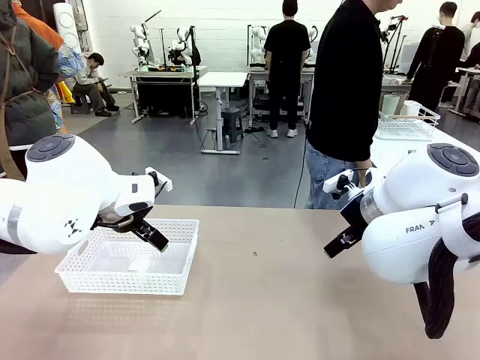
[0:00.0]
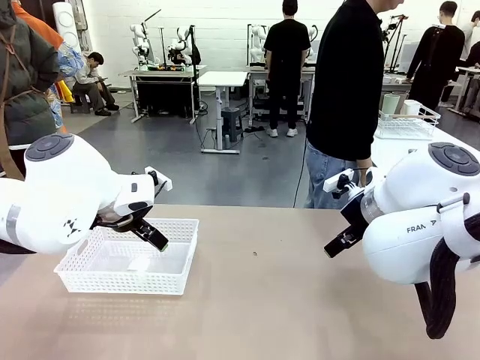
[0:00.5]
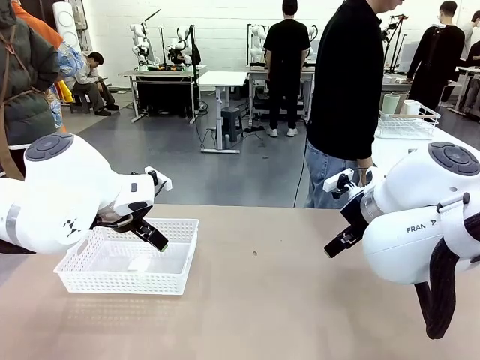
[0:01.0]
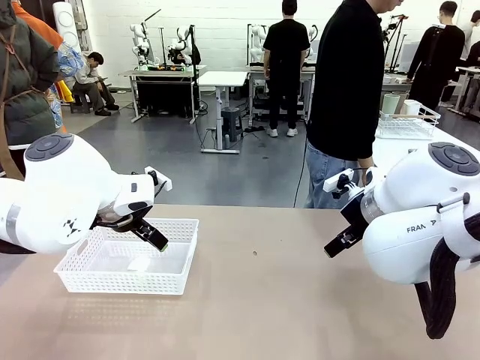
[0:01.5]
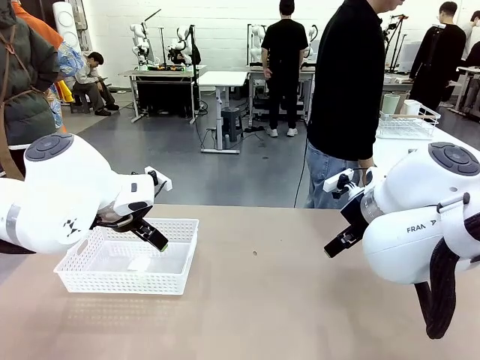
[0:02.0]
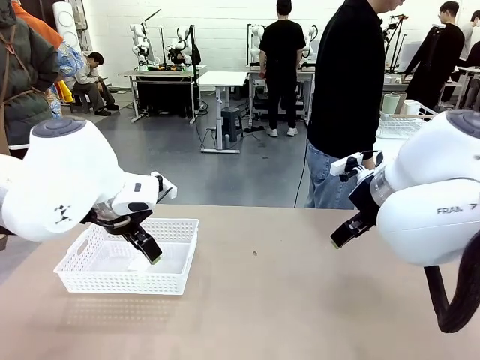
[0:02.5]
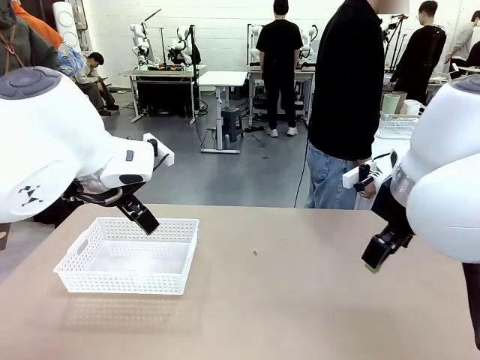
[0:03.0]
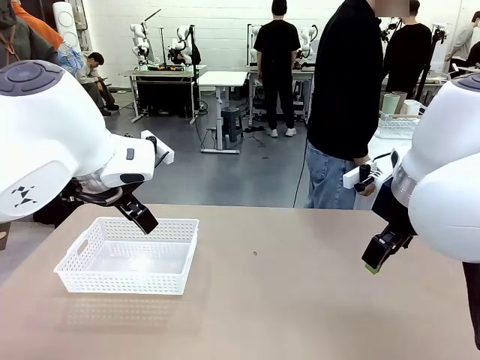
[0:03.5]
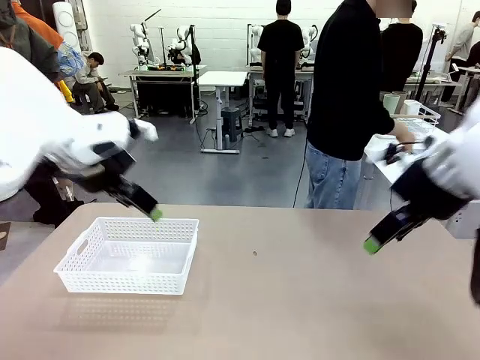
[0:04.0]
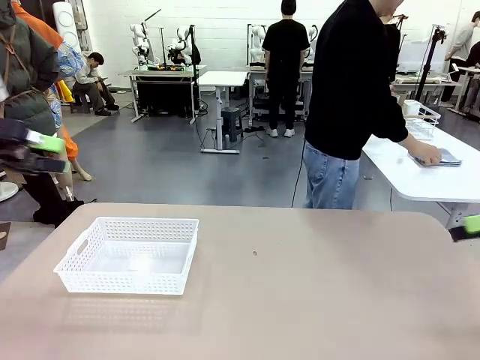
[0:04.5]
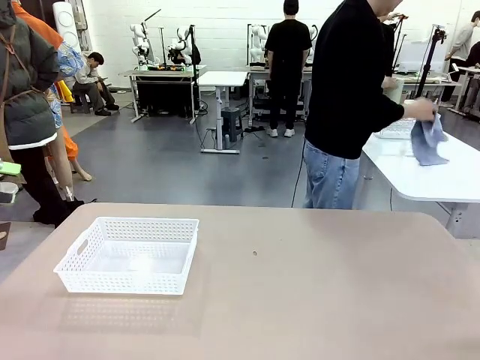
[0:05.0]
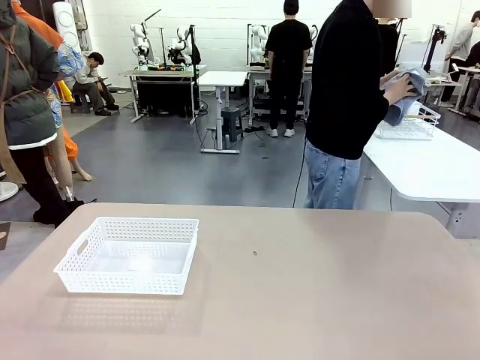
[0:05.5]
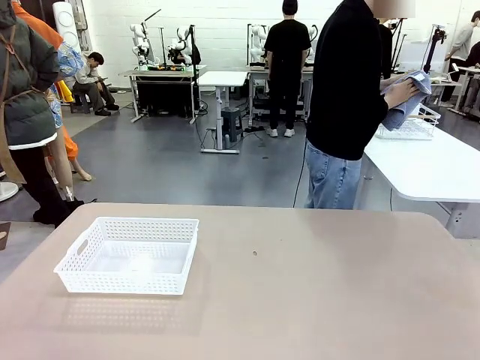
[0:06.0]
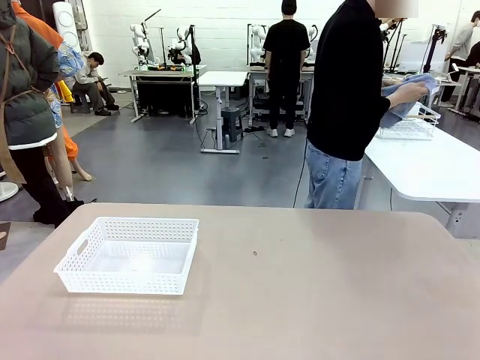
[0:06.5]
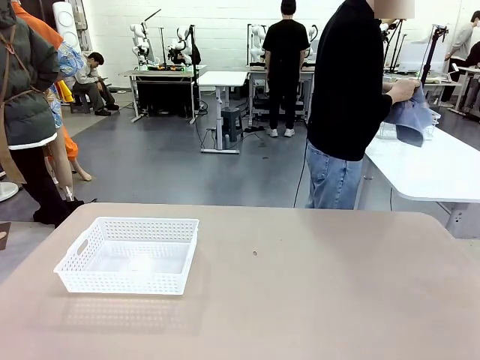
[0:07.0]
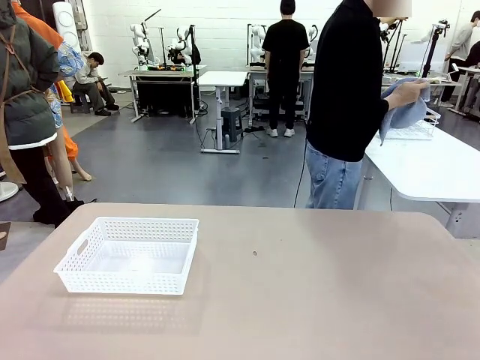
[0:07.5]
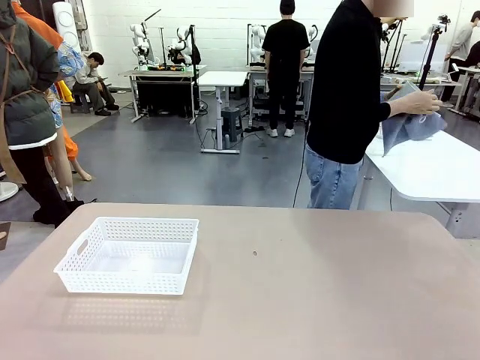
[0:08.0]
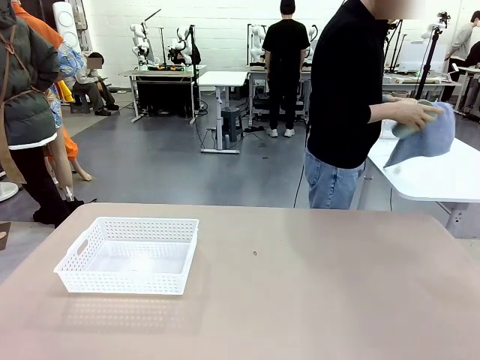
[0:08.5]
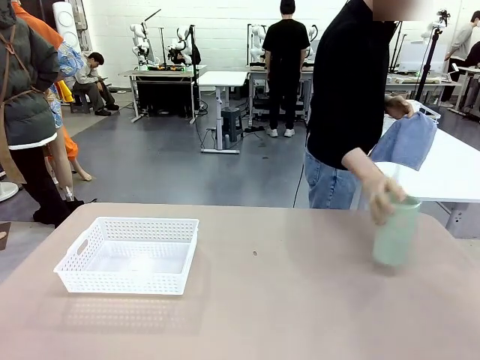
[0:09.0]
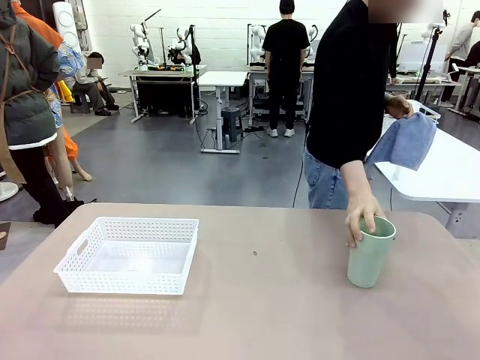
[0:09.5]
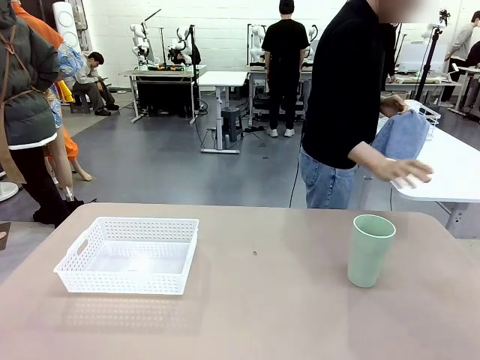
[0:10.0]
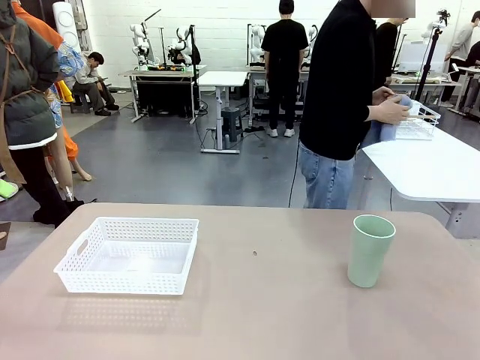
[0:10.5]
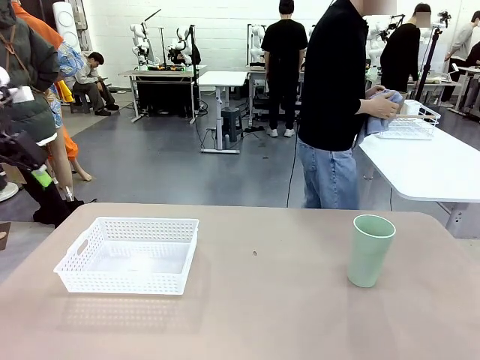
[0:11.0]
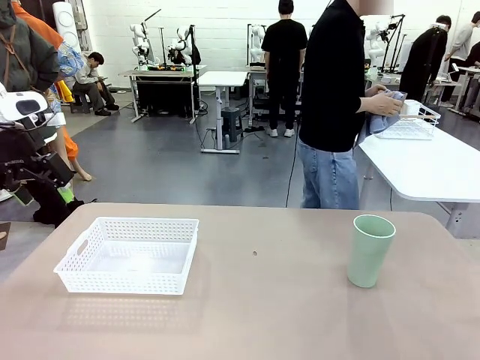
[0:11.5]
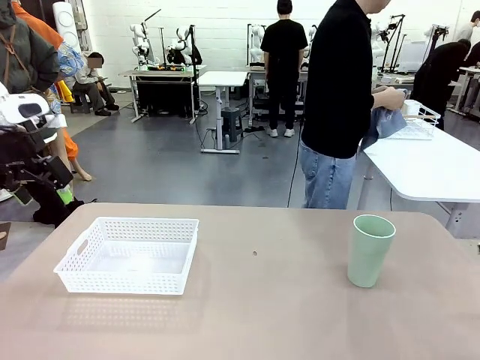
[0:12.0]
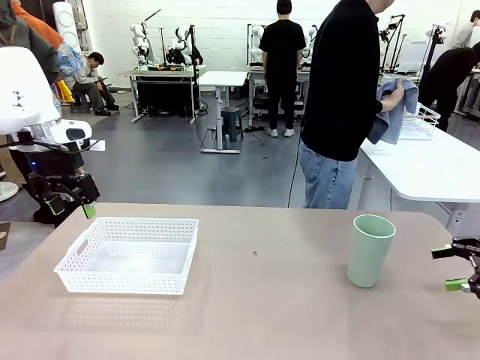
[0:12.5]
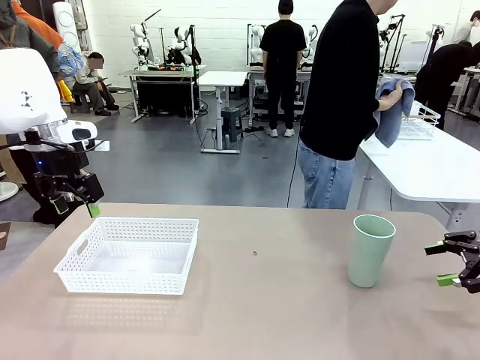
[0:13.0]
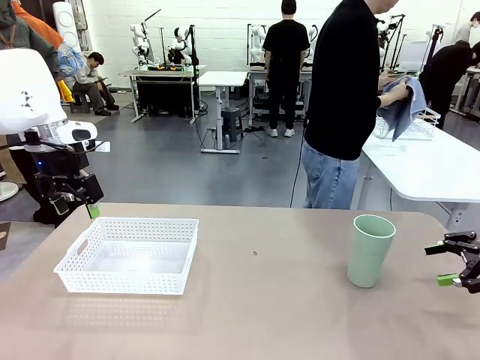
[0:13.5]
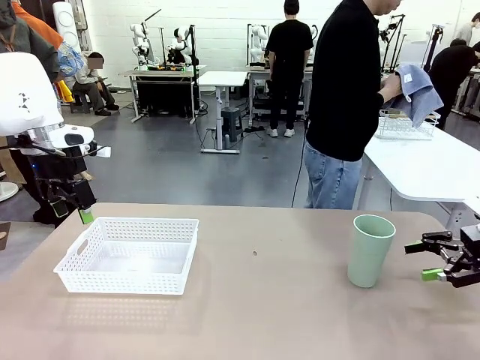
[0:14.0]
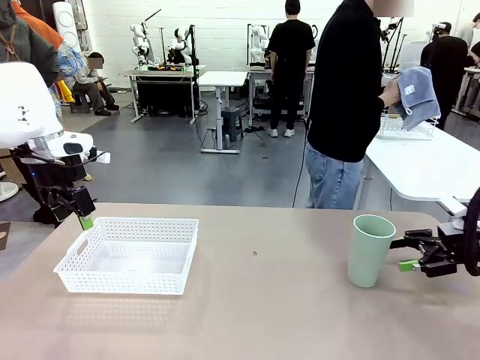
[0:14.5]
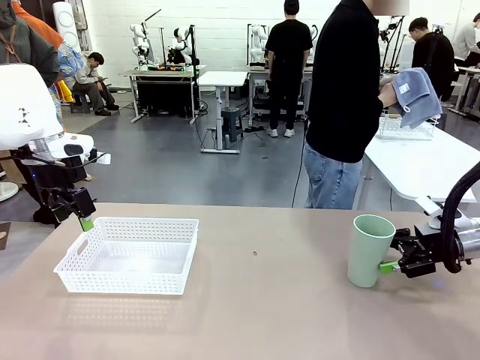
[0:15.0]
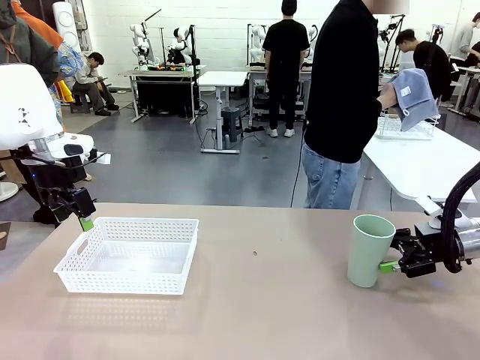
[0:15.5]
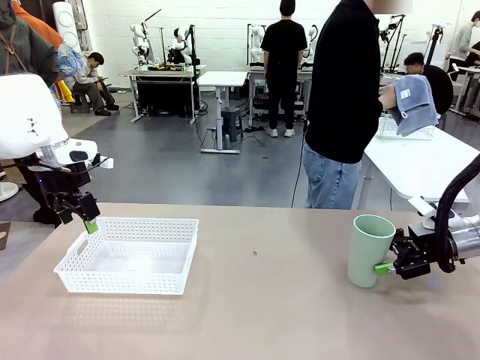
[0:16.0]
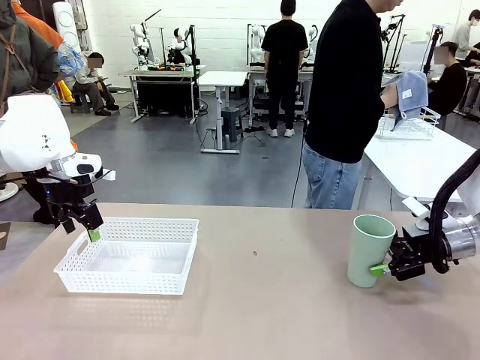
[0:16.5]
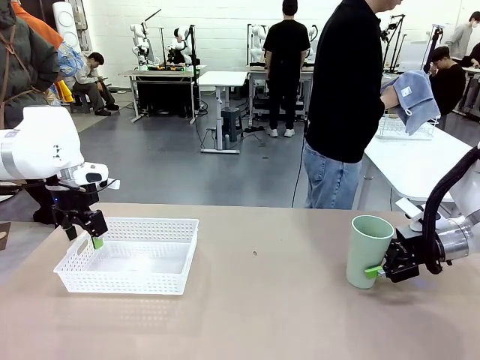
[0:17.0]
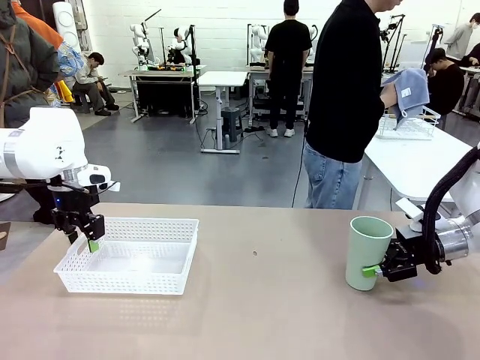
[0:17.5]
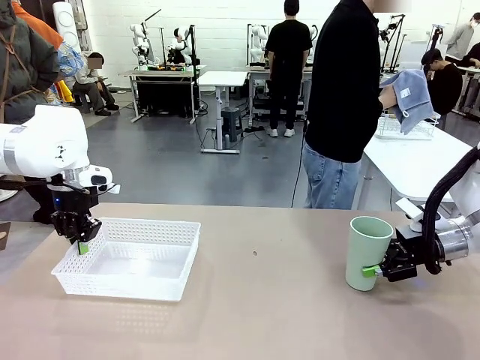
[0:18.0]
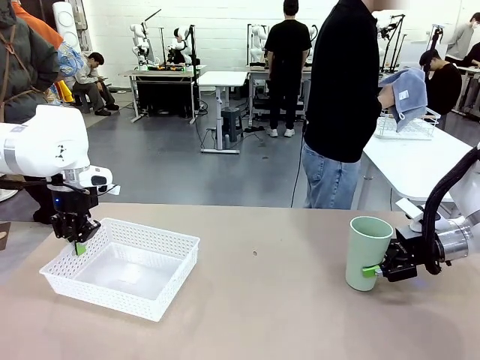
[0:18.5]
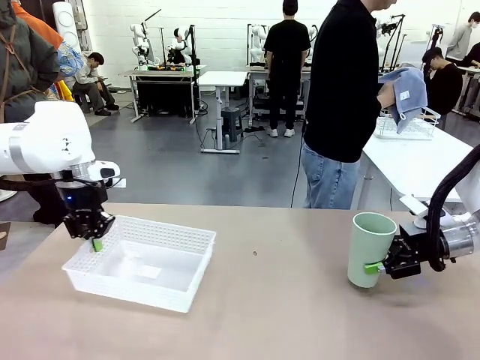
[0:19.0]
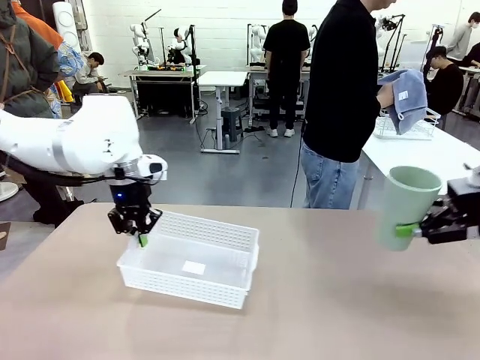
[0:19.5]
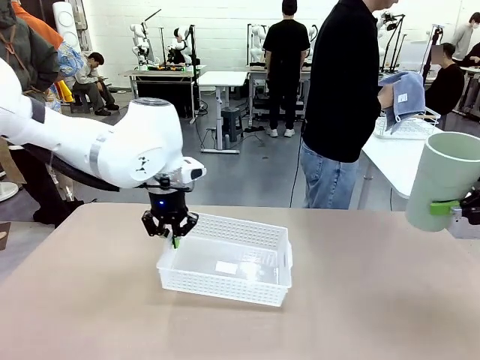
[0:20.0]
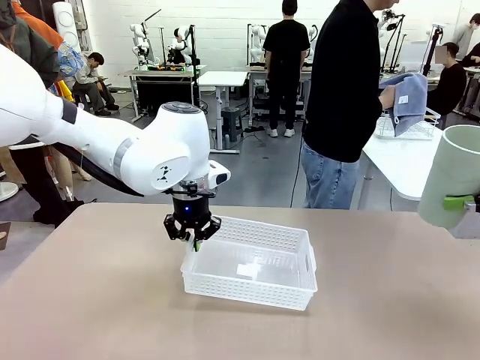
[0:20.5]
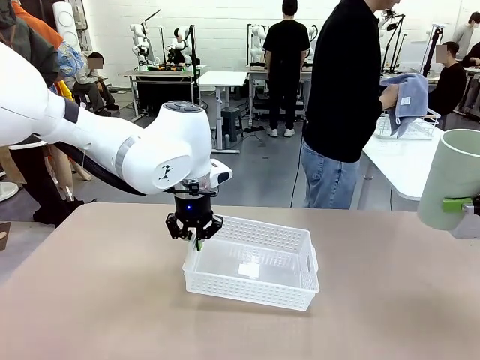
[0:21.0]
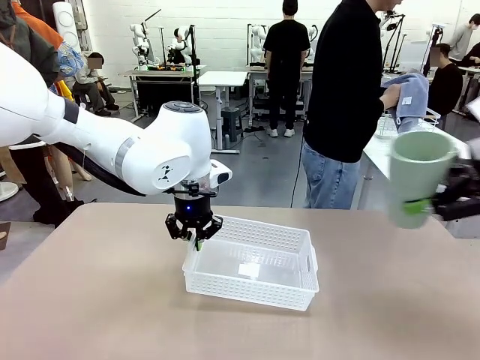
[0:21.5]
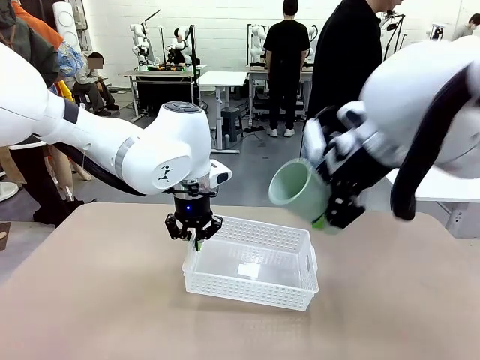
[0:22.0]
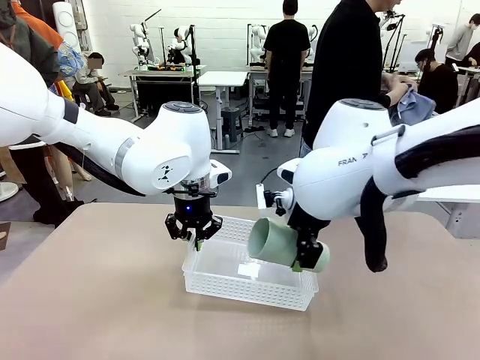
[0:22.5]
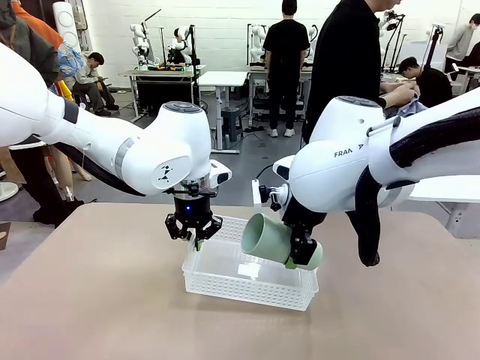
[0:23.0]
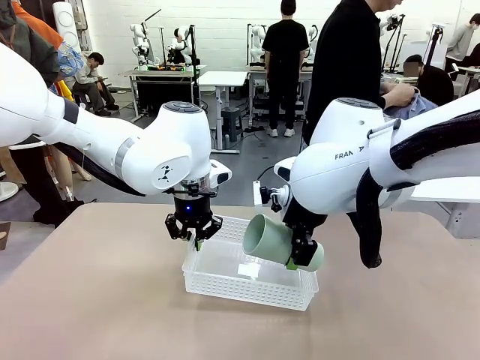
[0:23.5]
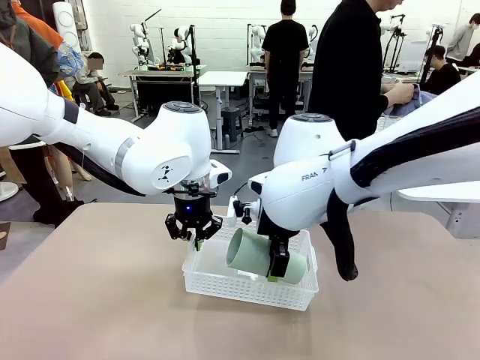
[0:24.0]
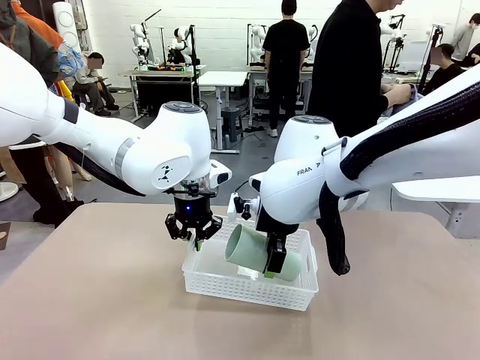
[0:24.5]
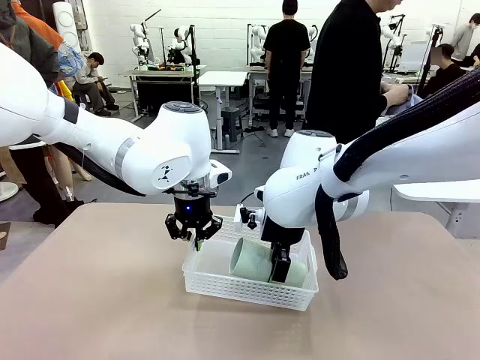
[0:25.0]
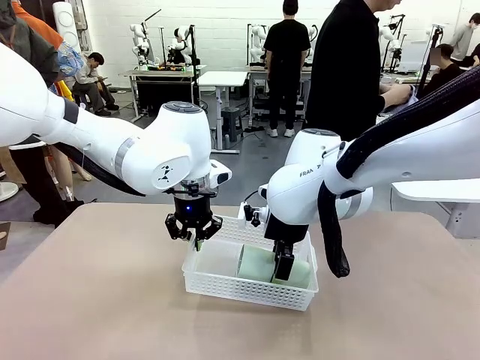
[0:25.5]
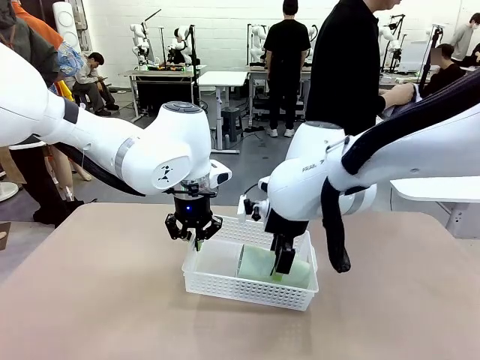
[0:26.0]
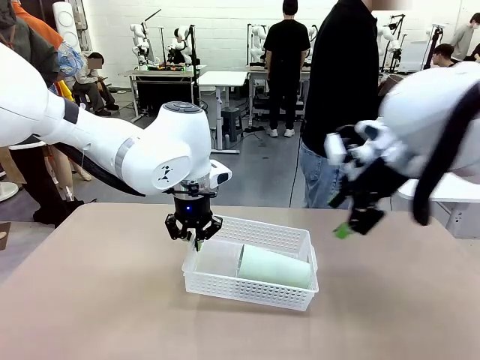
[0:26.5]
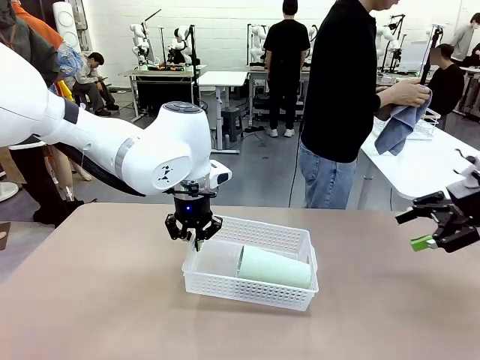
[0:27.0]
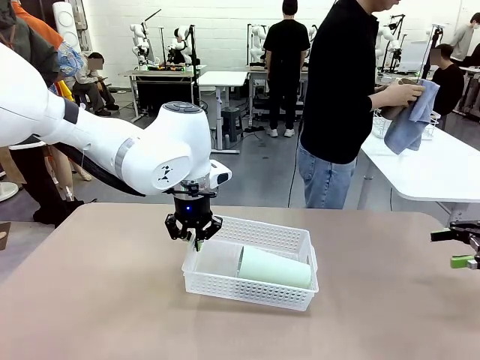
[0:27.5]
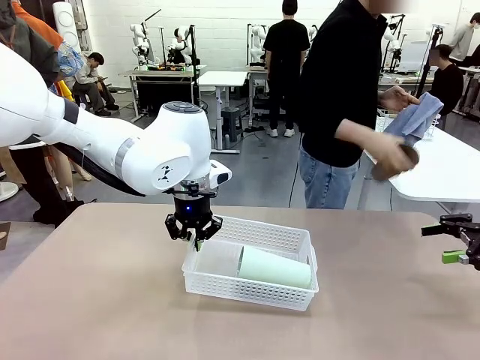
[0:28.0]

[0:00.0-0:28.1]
Task: Clean and organize the cups into the basket.
Robot: Pick up the Organizing basket and move it to the center of the table, then pick up the Reusable plastic cup from the right side of the table and place it inside the Organizing basket.
Person: Picks up a cup and a towel, cleans the cup with the towel, and places it on the left side of the robot table. Picks up a cup from the drying rack, cleans the cup with the towel, and places it on the left side of the robot table.
